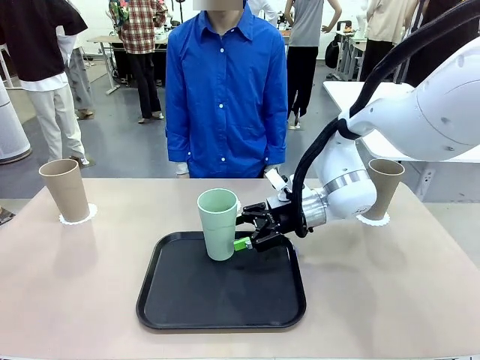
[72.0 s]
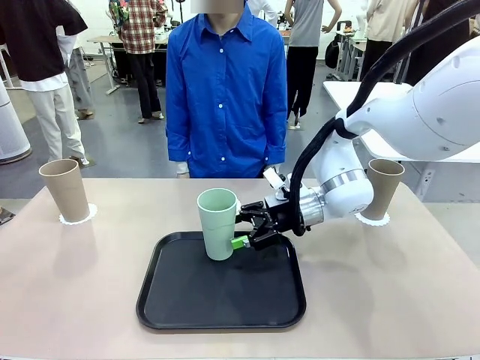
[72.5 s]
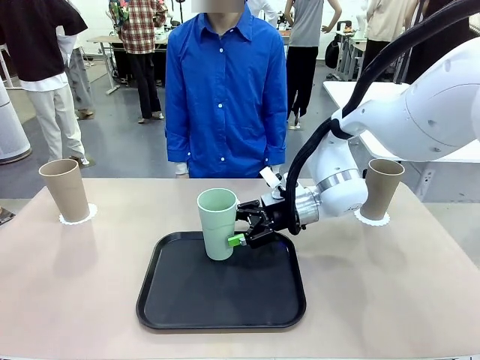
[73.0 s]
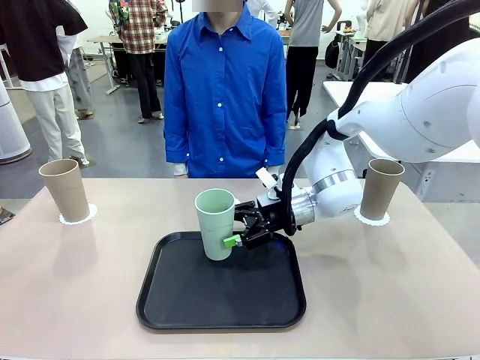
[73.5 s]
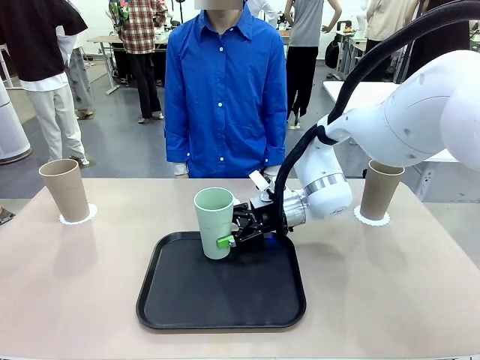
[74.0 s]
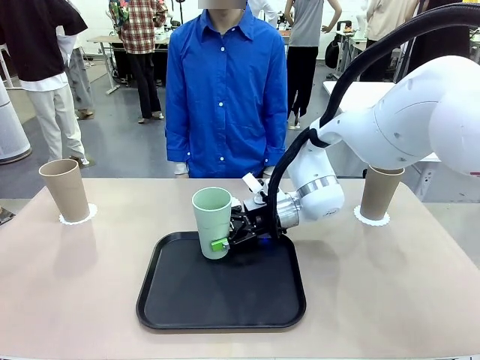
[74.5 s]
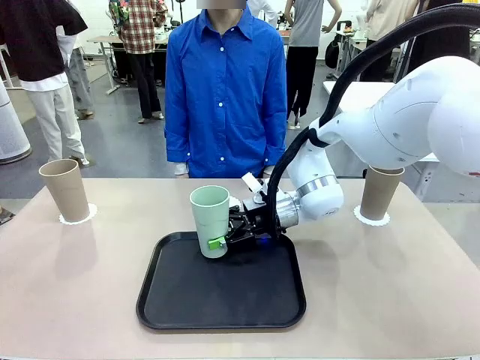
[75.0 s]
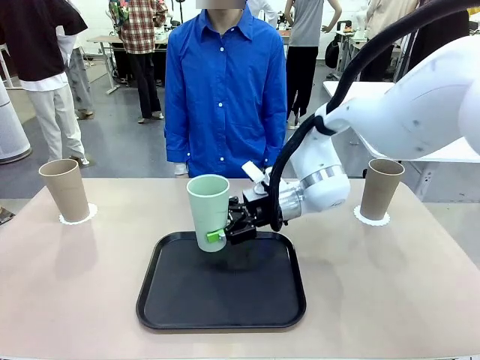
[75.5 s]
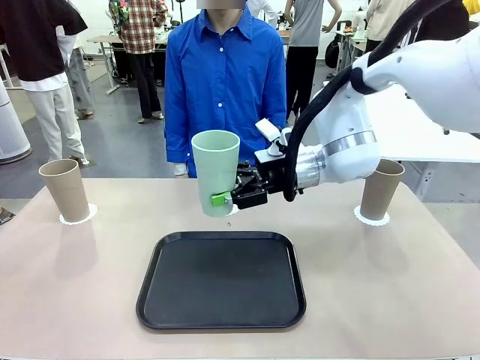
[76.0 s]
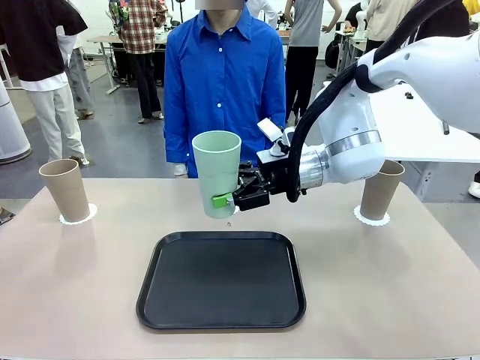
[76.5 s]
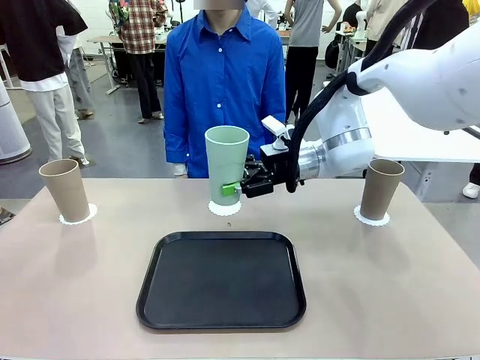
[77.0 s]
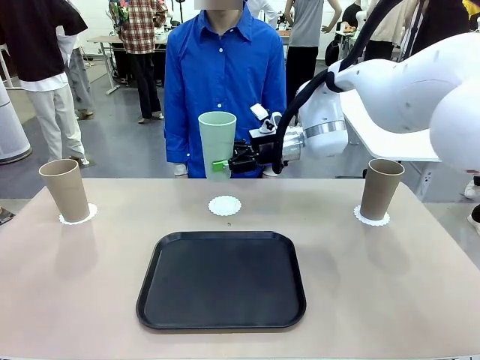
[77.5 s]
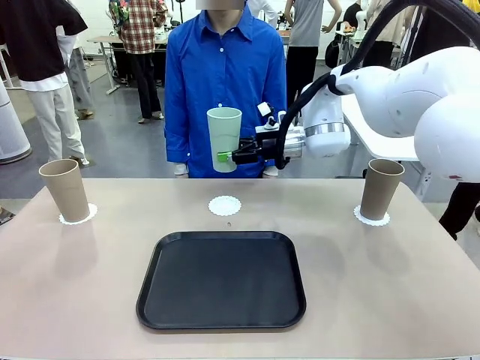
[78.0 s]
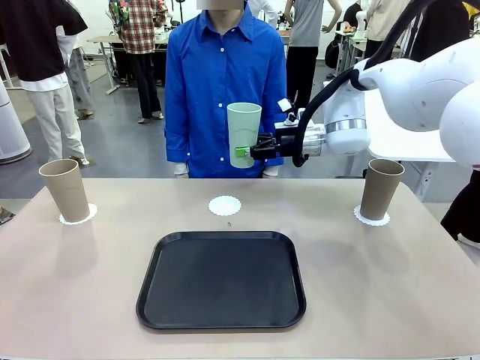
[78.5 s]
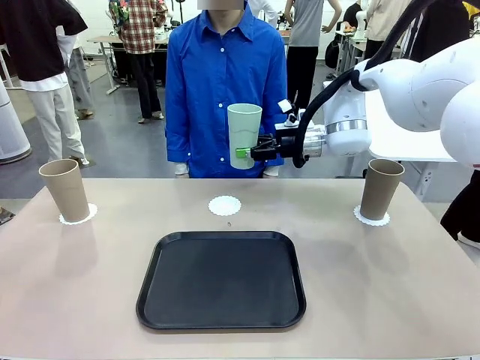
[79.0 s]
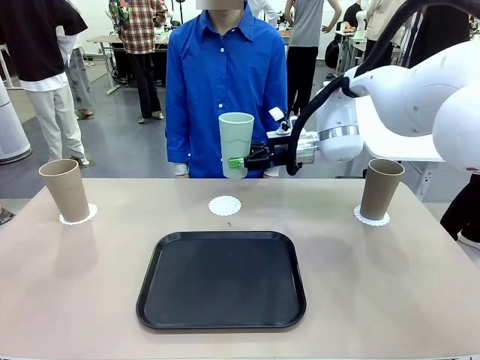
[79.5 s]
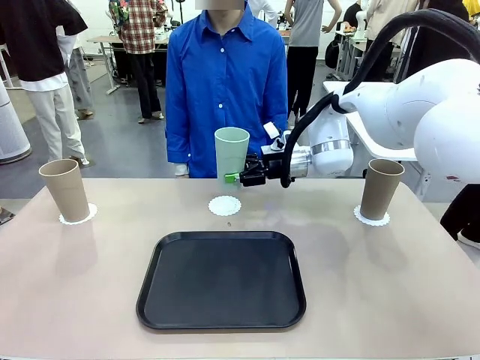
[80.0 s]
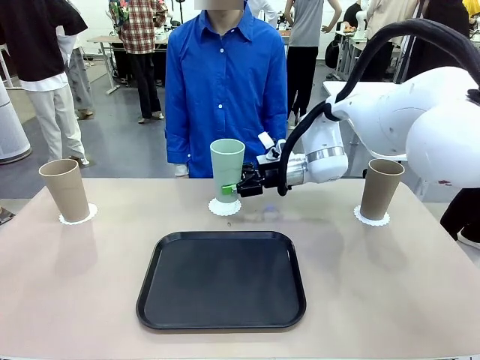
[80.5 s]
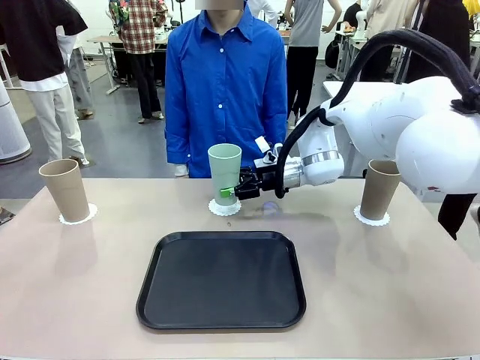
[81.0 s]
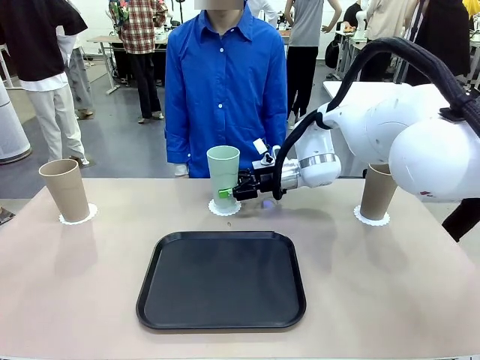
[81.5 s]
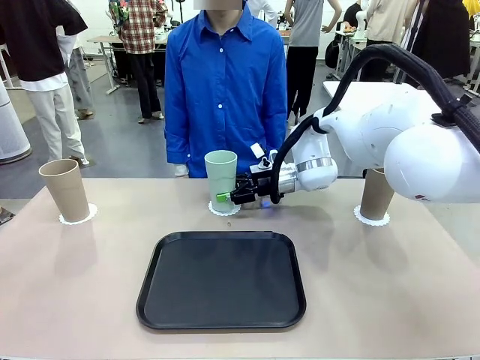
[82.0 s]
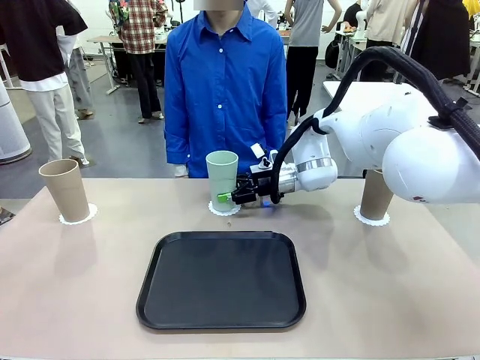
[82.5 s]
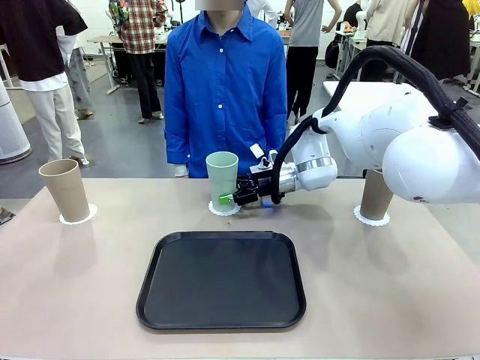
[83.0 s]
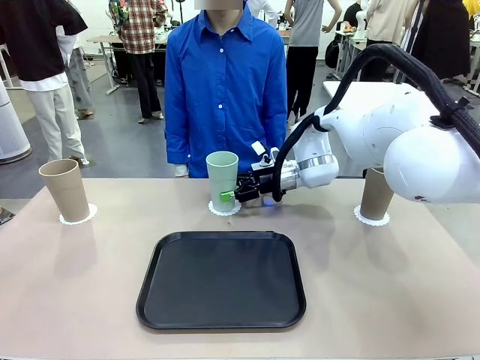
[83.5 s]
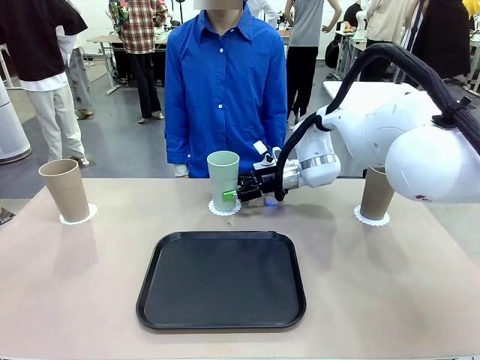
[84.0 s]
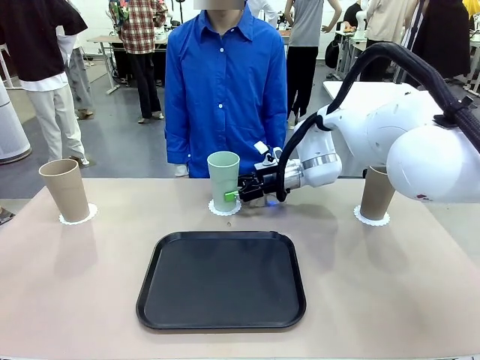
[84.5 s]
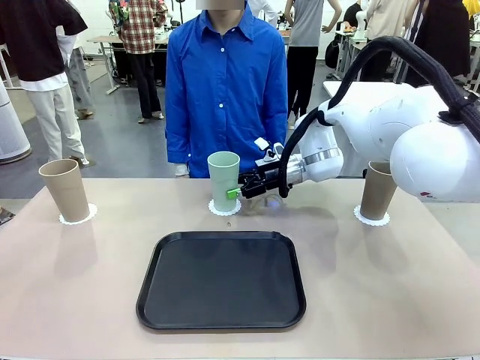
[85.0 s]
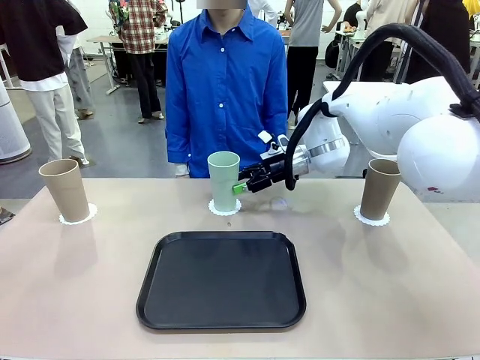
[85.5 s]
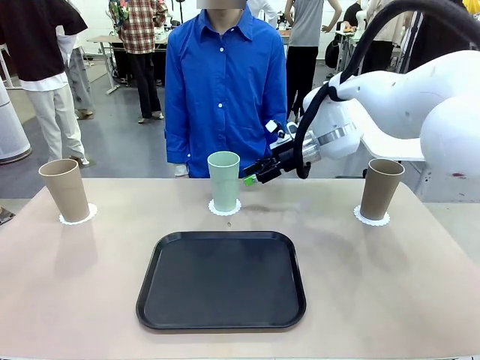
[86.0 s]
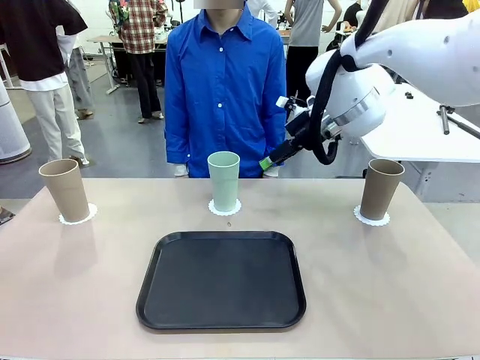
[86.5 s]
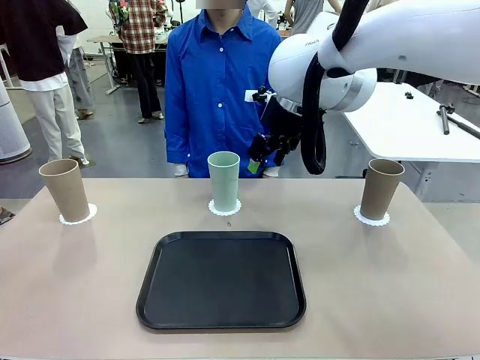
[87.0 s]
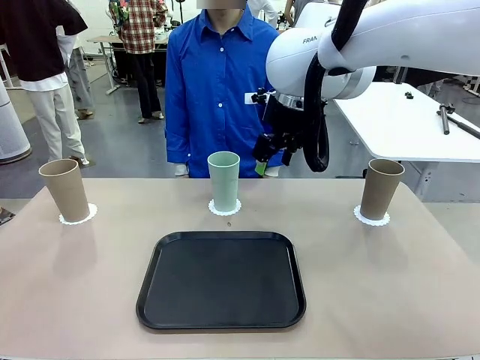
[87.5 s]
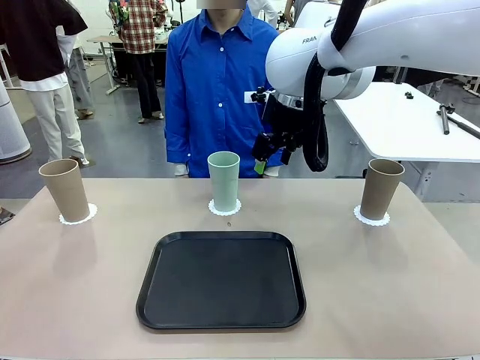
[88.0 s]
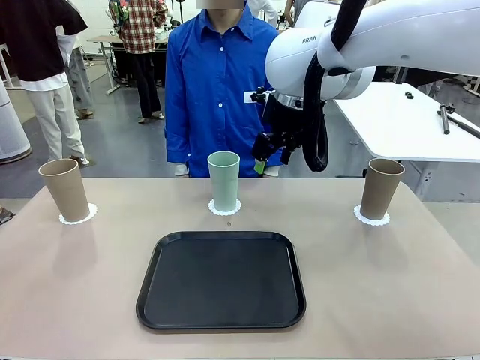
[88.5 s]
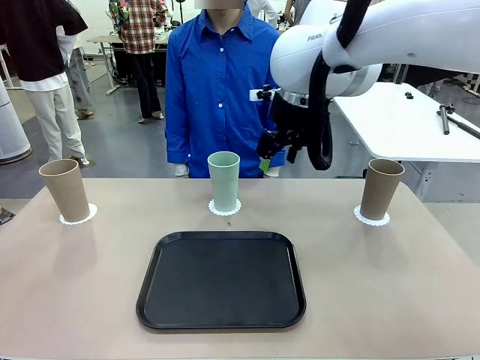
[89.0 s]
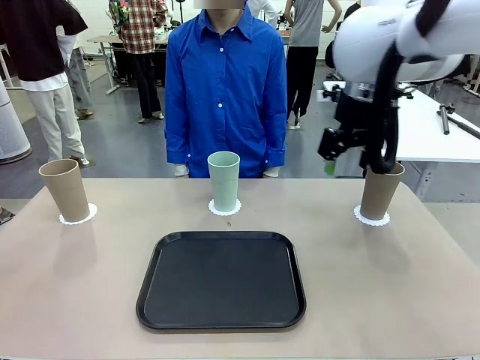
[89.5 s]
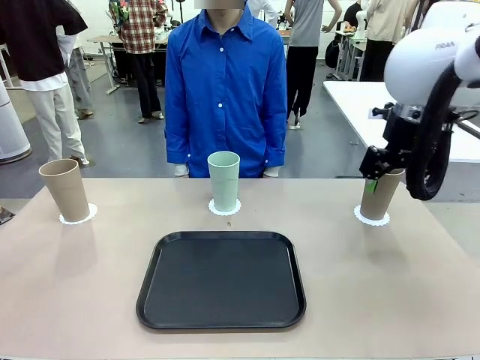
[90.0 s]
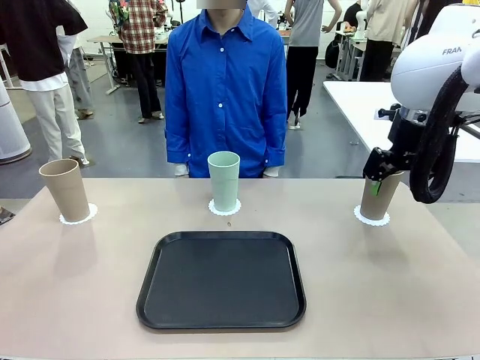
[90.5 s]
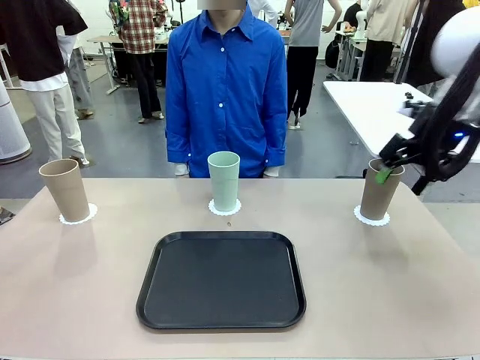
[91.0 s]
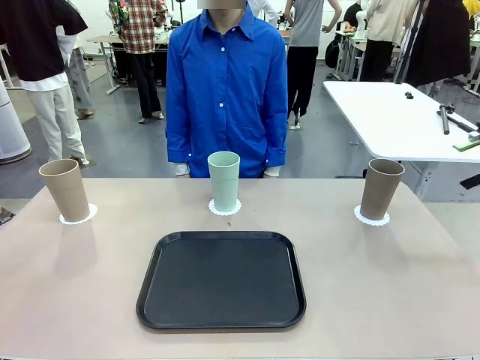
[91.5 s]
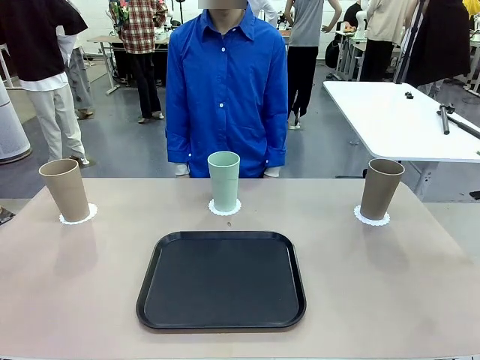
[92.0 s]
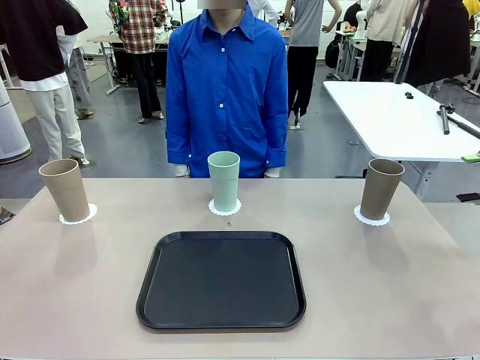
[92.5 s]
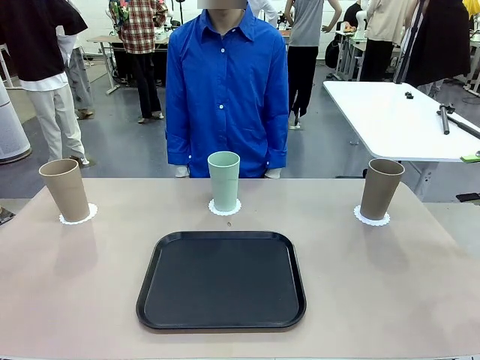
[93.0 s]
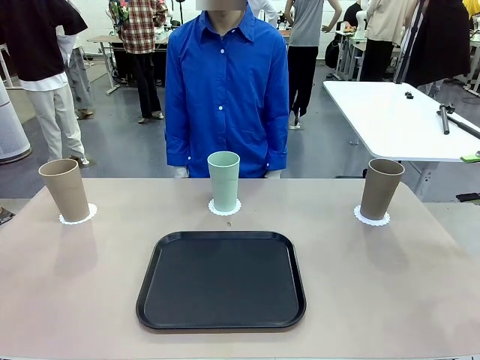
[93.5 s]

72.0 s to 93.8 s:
Task: Place coasters on the table and set cups on them.
Robot: Take one Reusable plastic cup from the Flat Tray and place it on a coaster set by the human.
